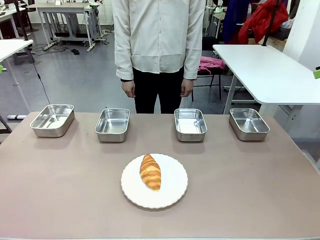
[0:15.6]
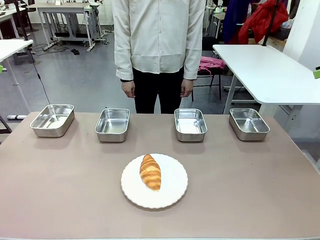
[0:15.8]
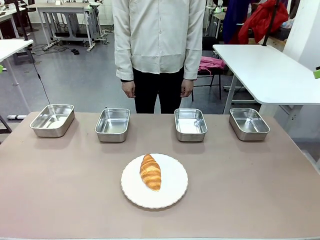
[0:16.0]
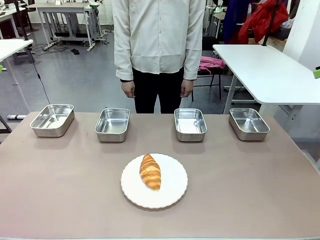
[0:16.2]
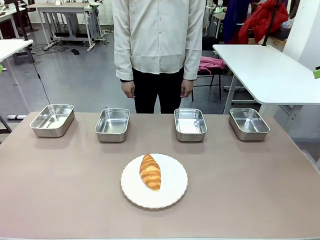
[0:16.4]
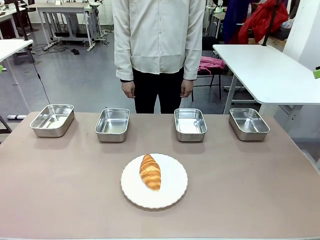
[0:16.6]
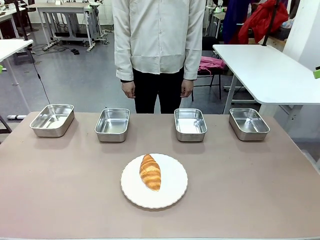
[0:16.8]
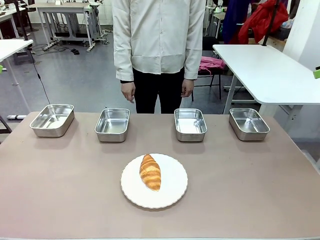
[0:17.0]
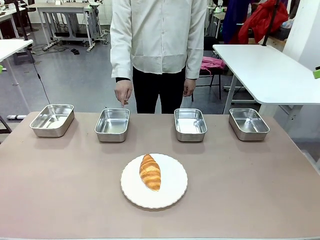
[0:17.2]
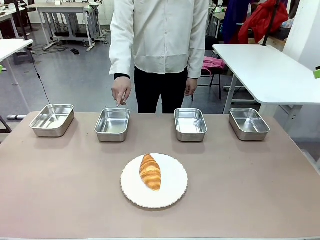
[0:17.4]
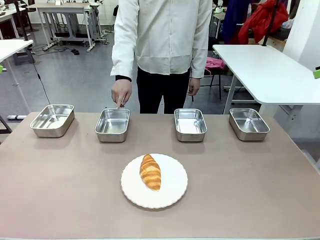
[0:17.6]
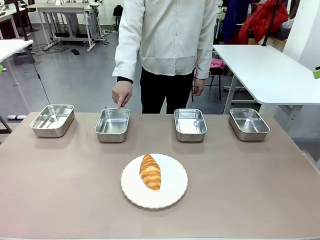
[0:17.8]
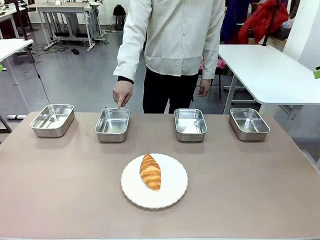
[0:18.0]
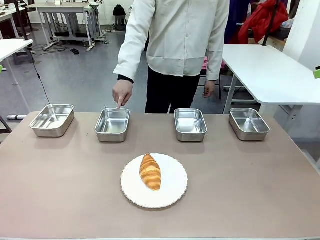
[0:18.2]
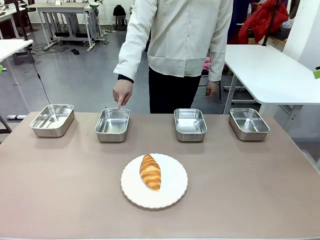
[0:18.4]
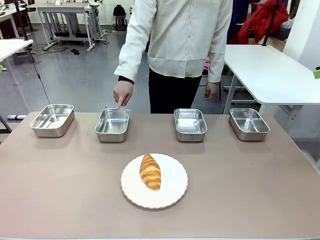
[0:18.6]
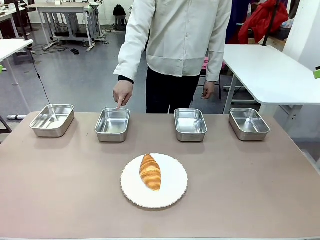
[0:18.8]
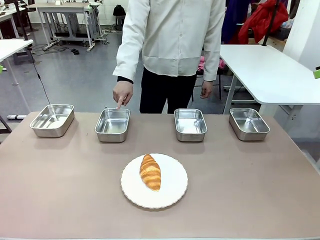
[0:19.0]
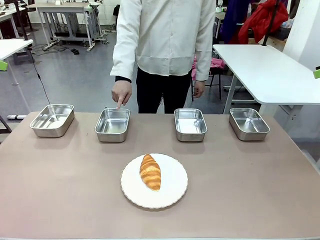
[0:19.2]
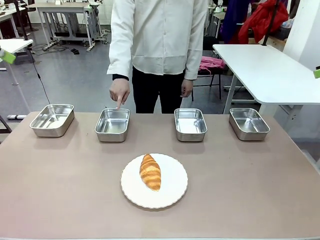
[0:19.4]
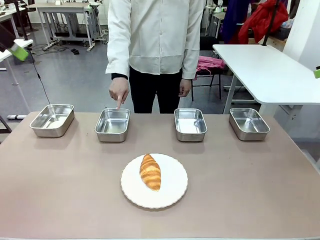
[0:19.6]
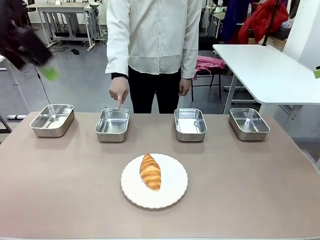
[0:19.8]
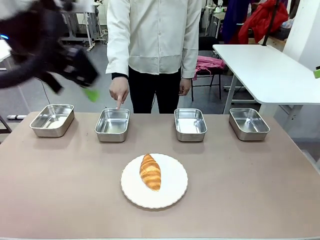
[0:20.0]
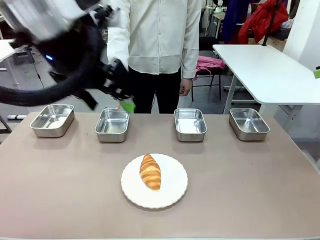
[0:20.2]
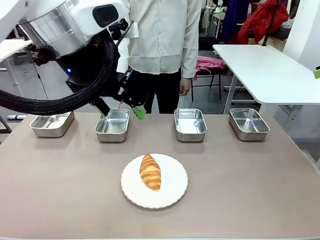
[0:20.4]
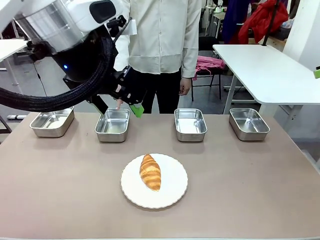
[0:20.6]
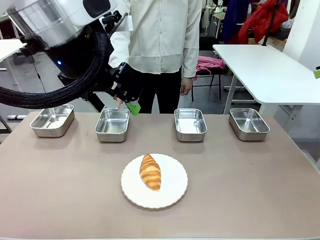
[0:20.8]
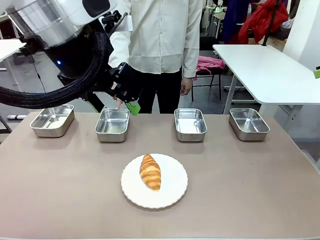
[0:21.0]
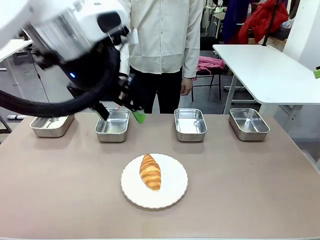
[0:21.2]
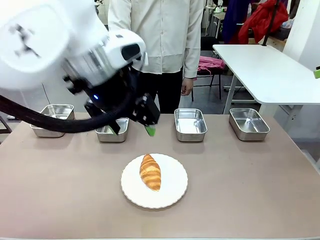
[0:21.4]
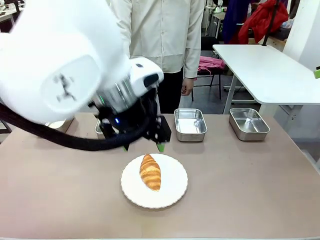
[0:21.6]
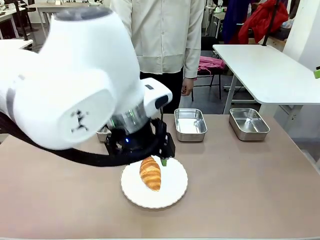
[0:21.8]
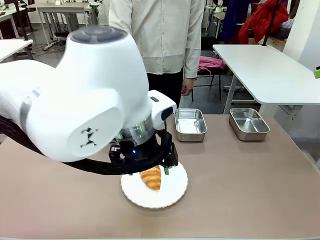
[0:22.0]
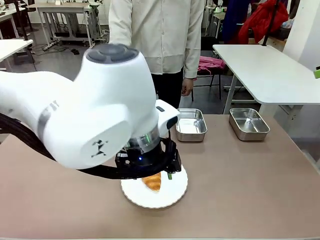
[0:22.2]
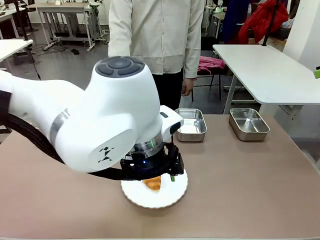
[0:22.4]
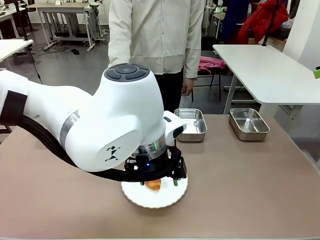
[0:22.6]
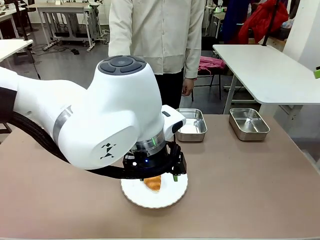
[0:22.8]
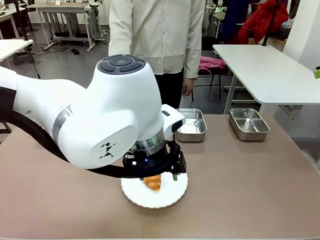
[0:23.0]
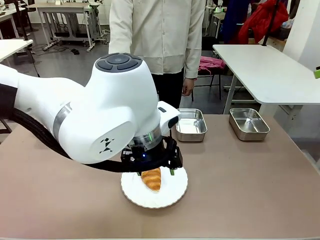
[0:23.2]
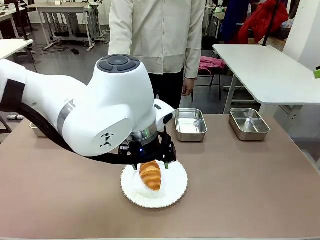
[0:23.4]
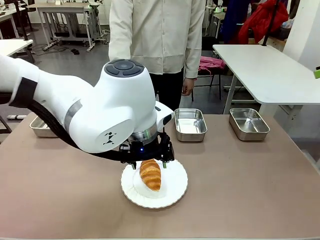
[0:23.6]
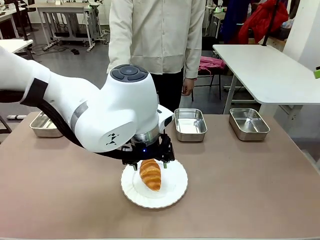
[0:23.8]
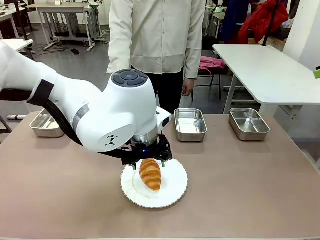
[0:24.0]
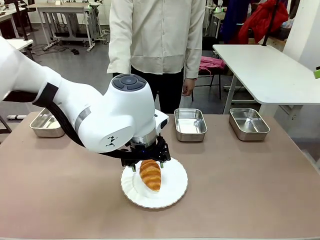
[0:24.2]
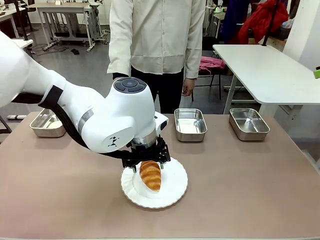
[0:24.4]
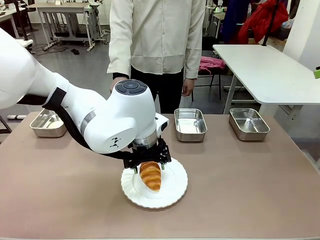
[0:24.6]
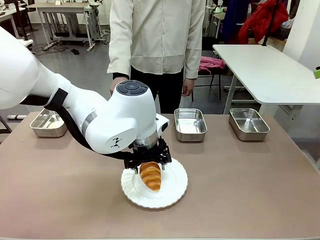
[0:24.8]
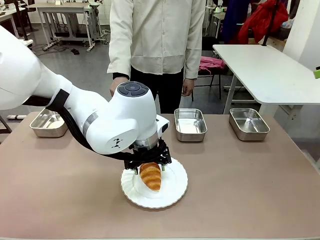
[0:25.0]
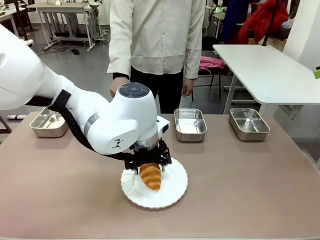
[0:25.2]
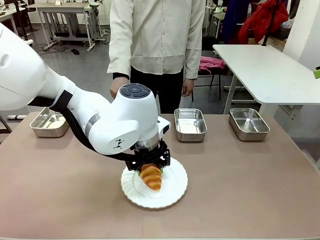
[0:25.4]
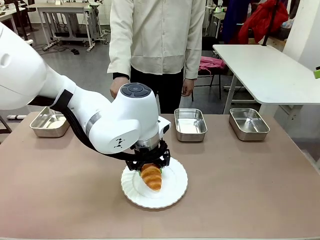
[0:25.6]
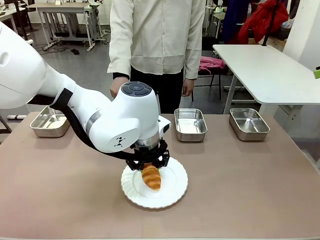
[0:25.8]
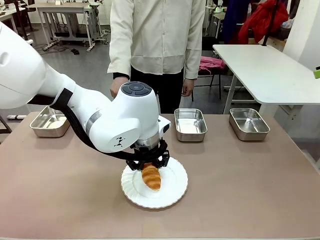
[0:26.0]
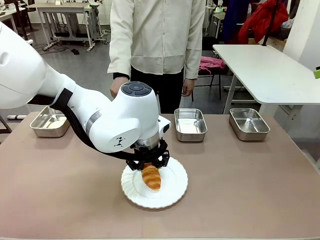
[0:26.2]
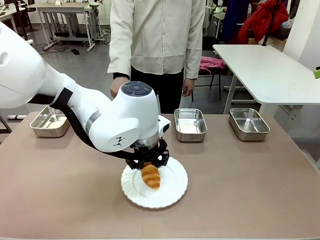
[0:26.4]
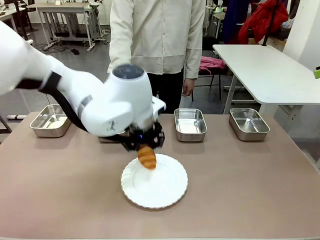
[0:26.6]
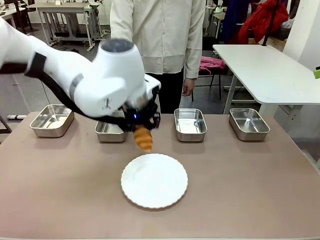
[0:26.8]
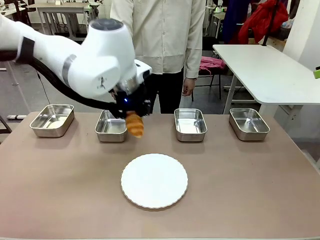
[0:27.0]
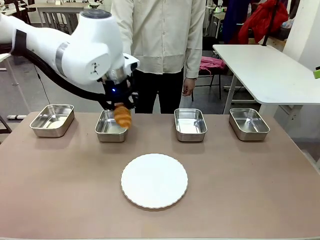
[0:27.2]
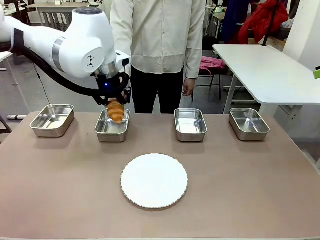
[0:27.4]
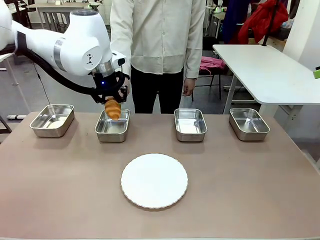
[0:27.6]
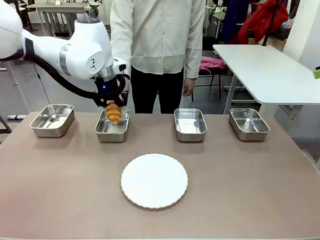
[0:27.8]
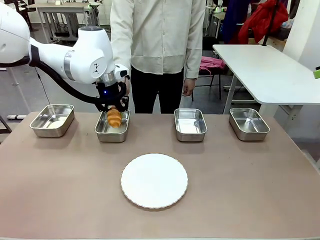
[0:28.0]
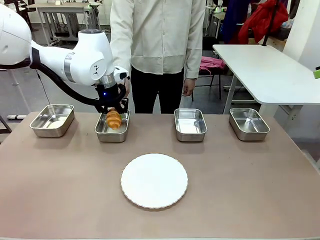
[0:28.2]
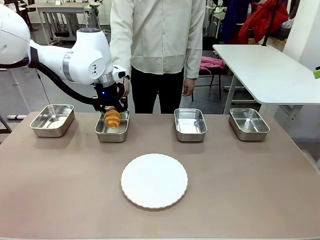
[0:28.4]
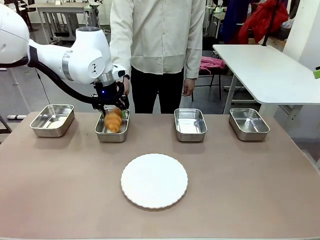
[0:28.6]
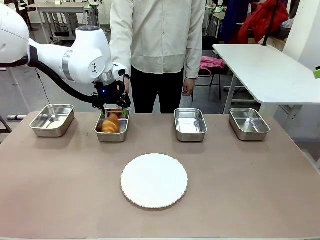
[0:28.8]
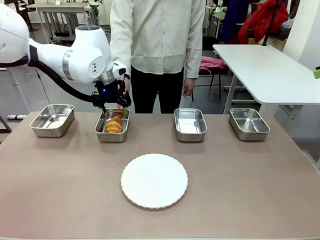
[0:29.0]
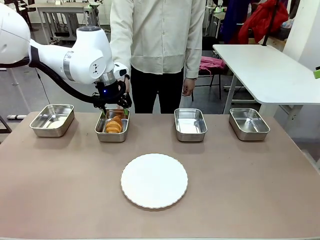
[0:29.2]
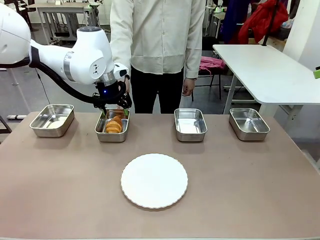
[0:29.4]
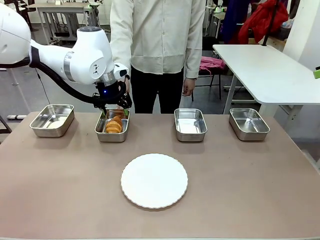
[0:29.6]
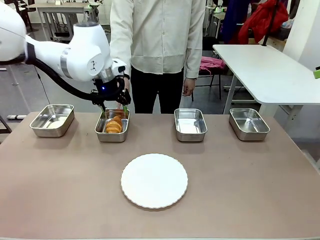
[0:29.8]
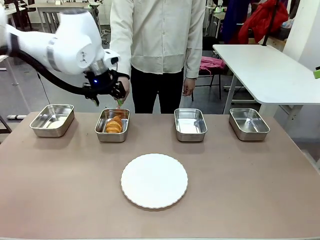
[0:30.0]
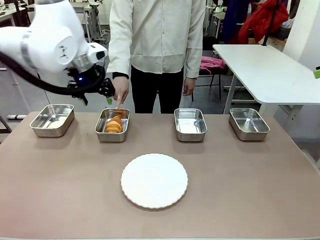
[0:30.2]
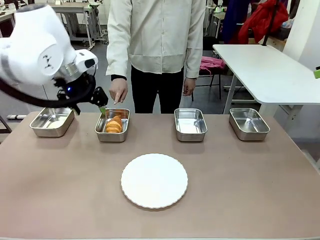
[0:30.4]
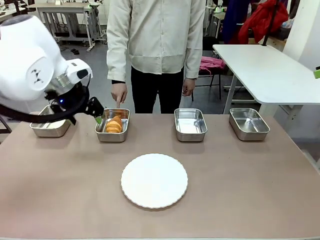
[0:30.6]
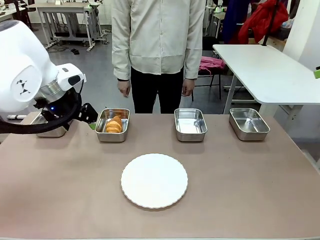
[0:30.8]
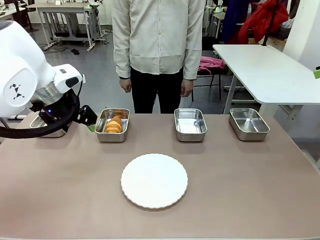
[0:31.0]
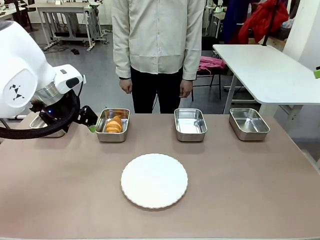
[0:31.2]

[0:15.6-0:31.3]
Task: Place the bread in the container.
Robot: Place the Butter Roll into the Airtight Container indicated by the human.
Person: A person randomly selects and points to an Airtight Container.
